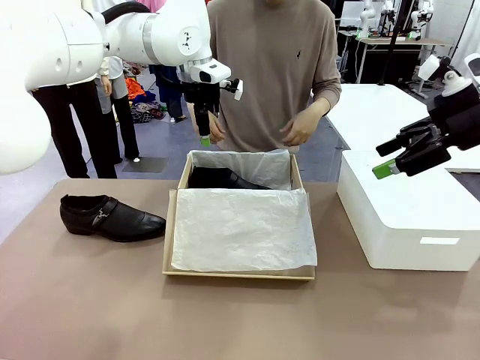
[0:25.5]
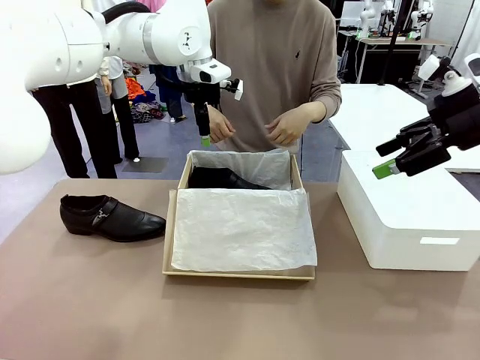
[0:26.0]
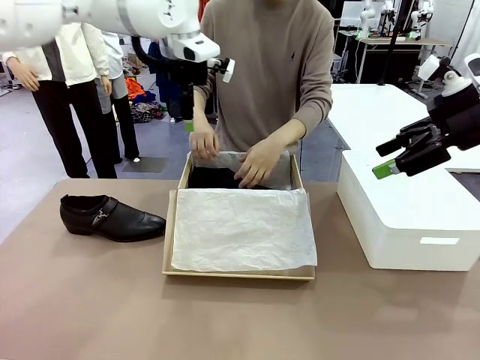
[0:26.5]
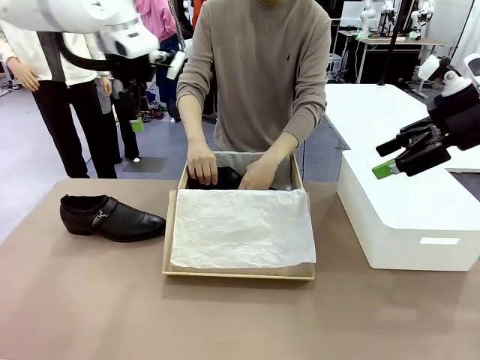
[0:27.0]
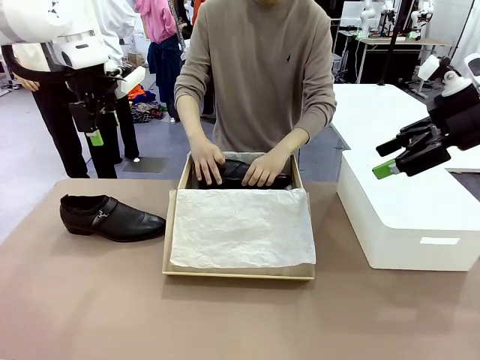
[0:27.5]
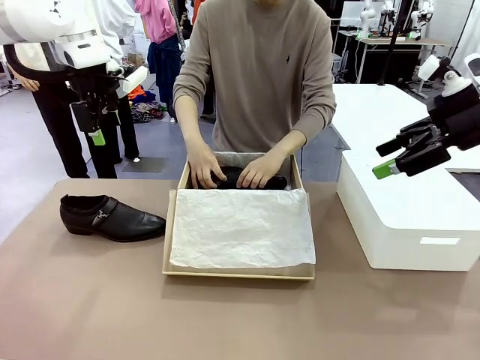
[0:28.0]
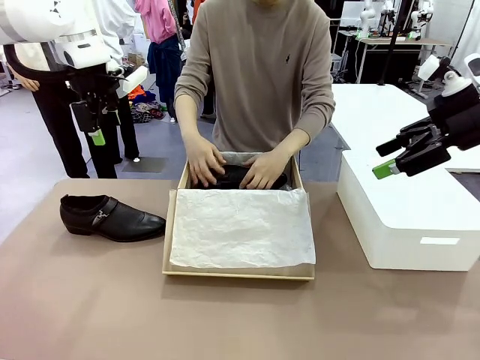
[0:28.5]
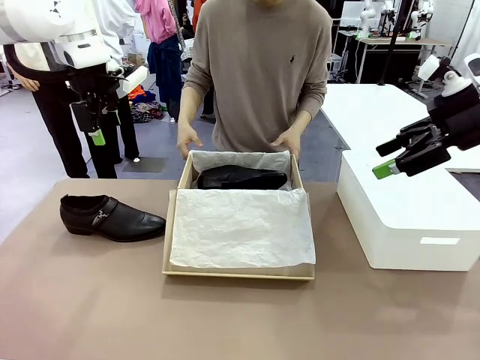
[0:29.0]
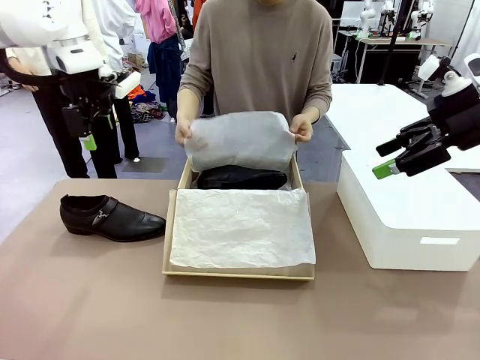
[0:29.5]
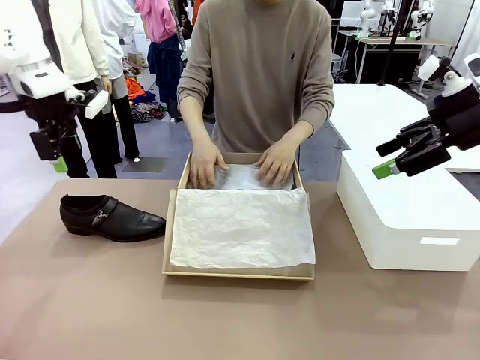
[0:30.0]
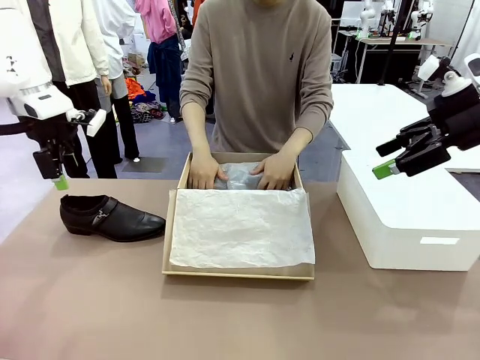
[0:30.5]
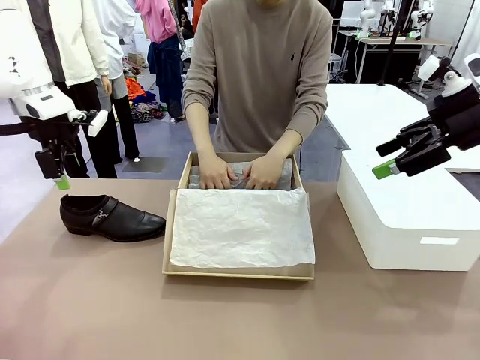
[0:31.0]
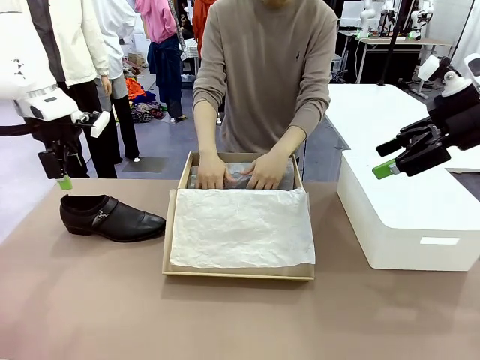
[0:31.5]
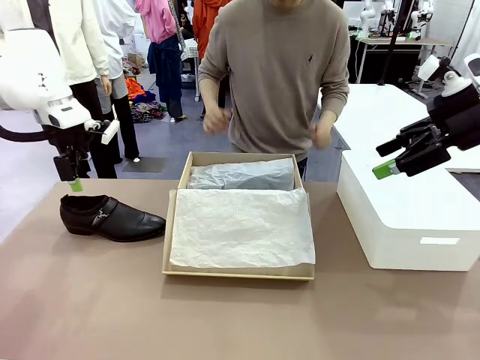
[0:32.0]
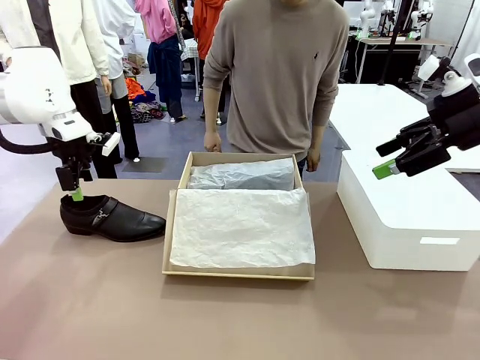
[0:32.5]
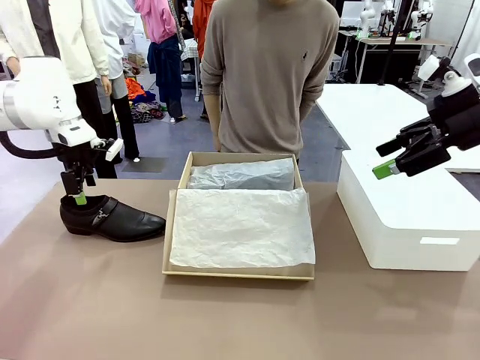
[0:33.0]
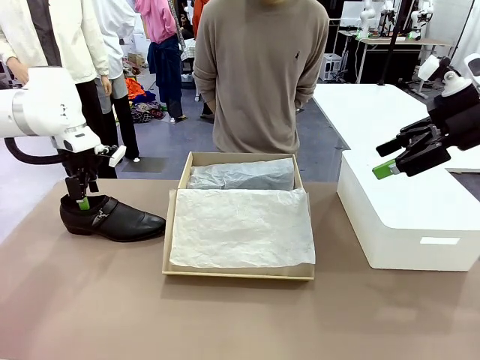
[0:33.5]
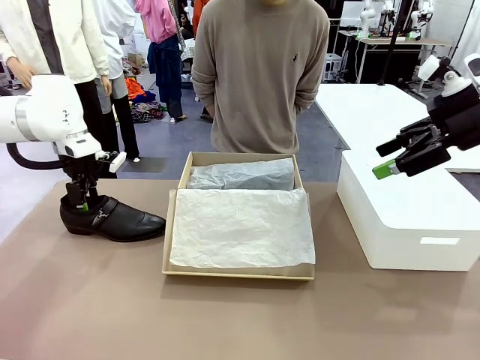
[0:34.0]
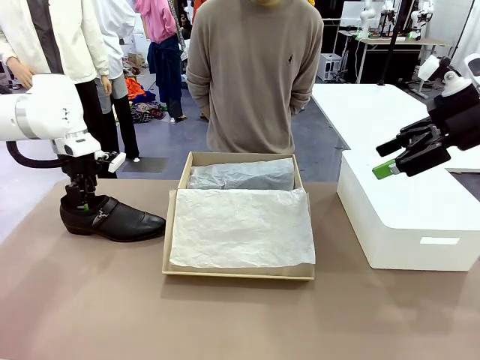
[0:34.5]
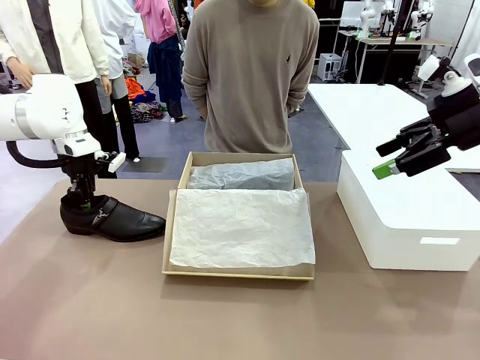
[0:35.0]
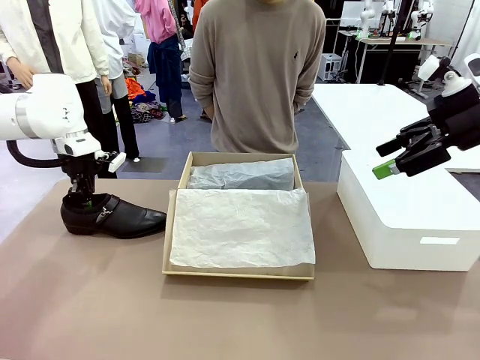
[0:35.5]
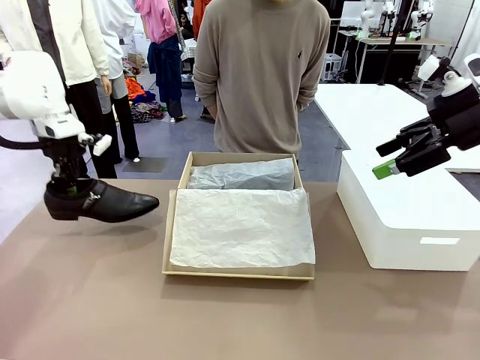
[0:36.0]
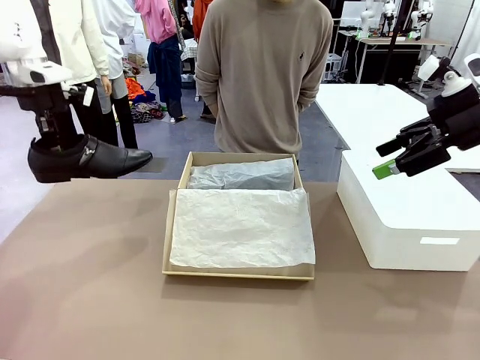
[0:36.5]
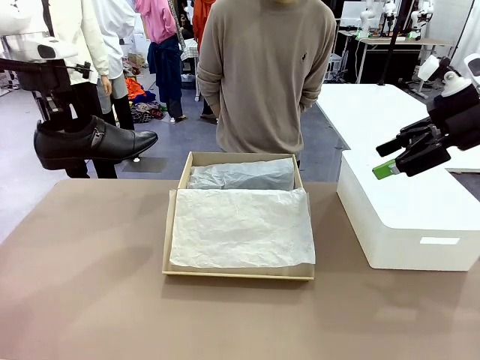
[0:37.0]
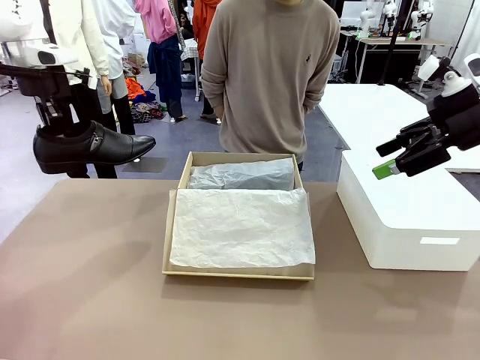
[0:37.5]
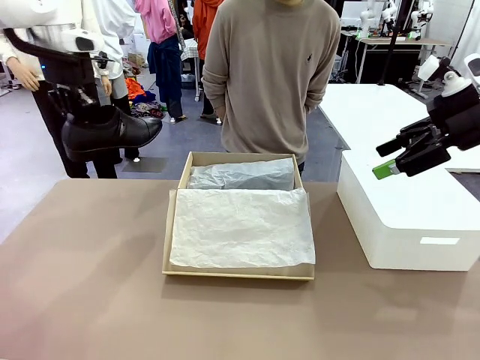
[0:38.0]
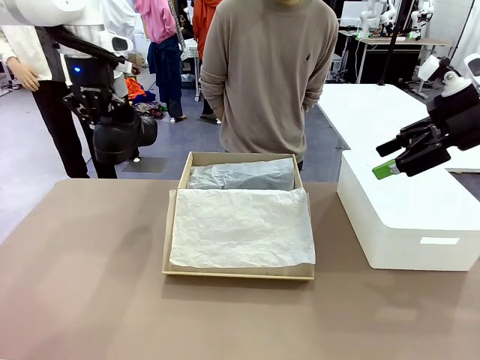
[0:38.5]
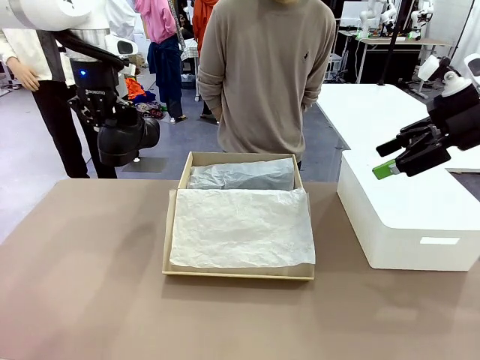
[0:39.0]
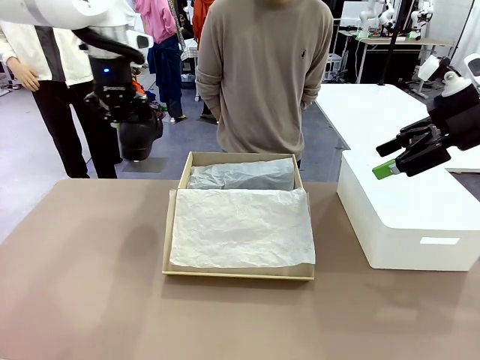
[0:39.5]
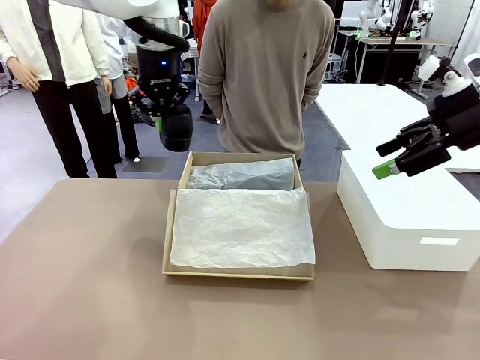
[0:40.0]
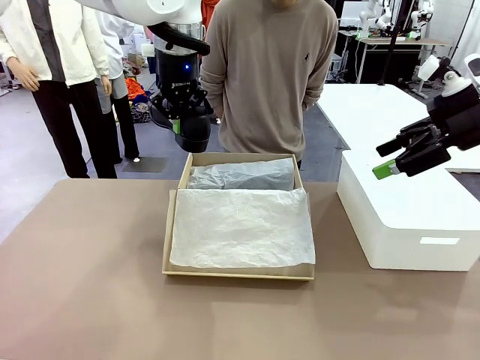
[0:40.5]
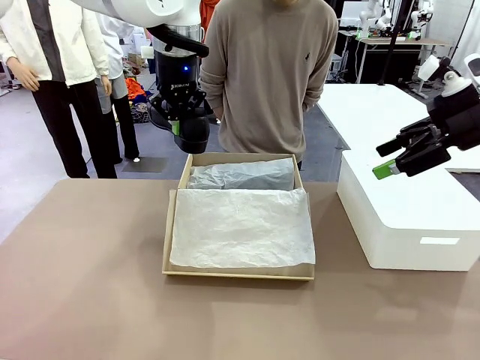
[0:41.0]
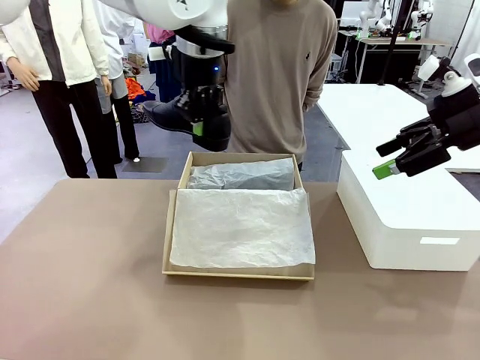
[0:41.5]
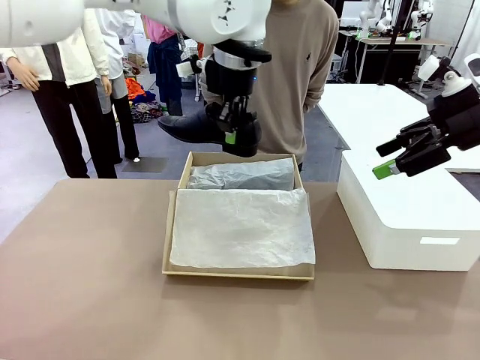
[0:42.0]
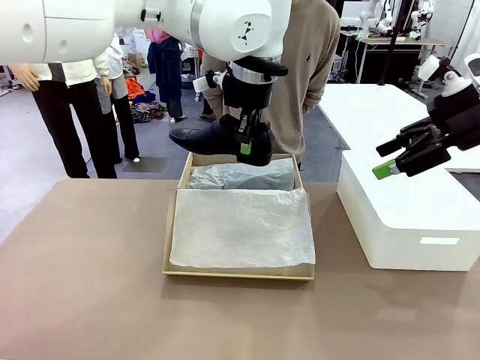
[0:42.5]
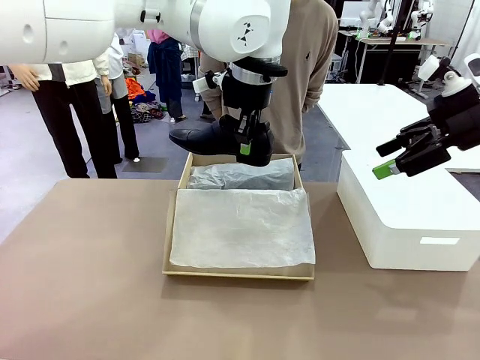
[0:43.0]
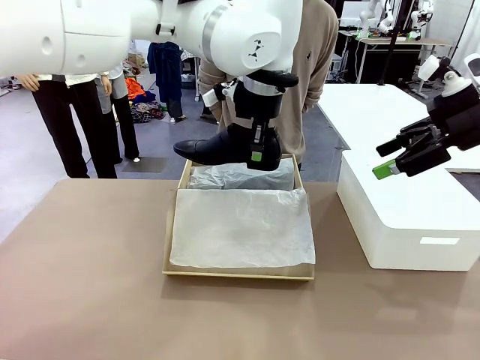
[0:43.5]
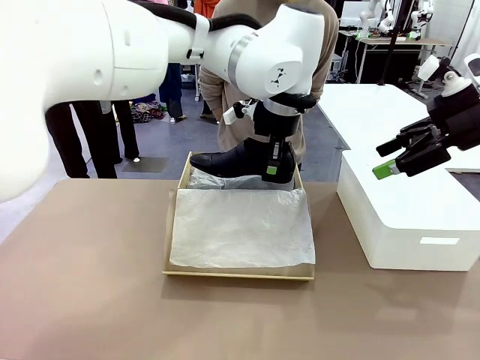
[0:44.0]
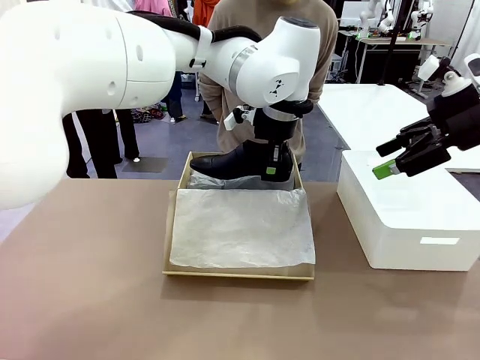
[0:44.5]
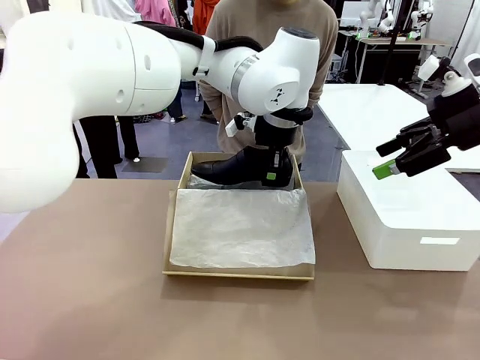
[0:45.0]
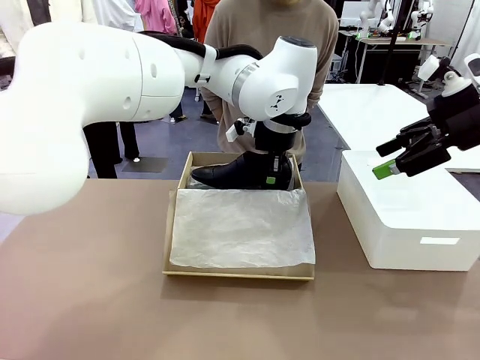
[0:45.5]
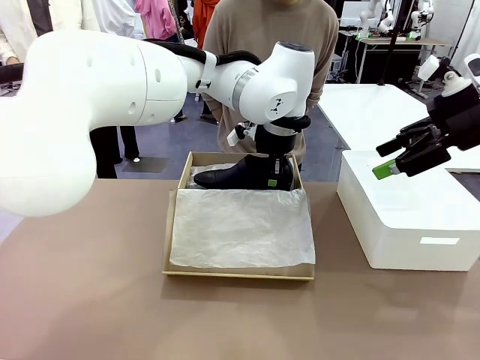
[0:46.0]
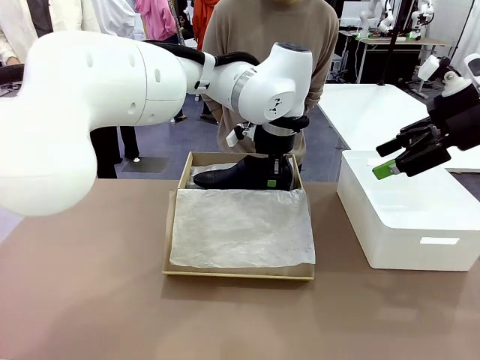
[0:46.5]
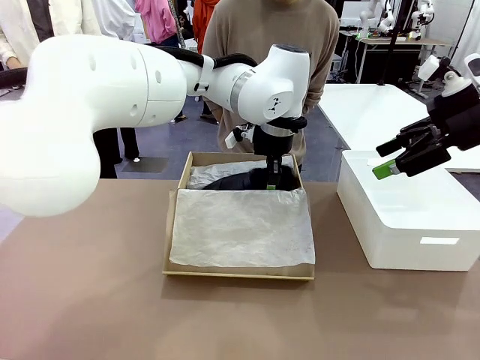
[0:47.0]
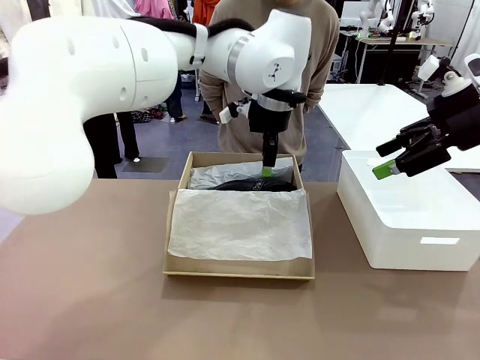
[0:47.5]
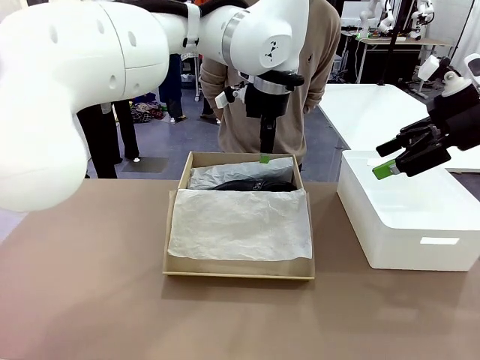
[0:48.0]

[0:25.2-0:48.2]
Task: Pack the shoes into the box.
Robot: Place the other shoe of the Shoes into the Shoes Box.
Person: Pack a shoe of Shoes inside the Shoes Box with Shoes Wrapping Paper.

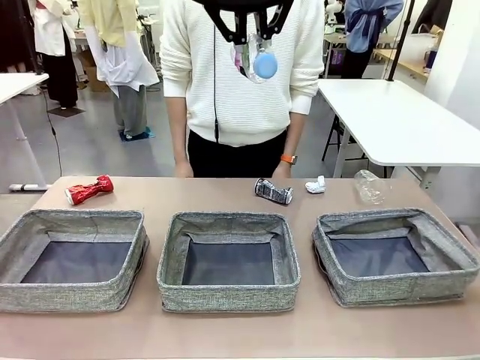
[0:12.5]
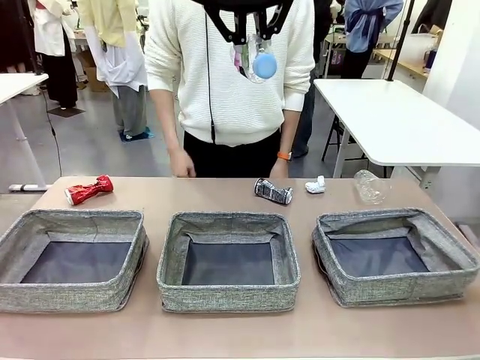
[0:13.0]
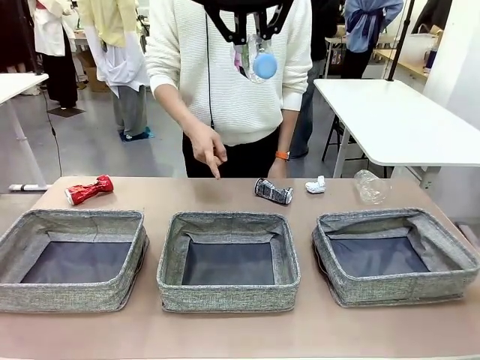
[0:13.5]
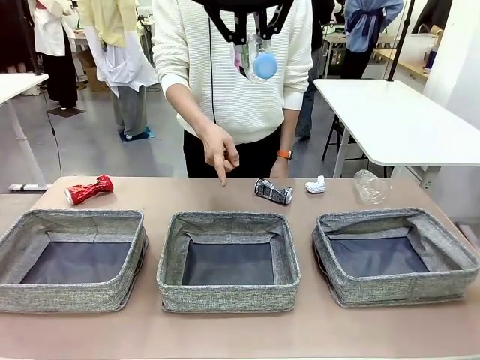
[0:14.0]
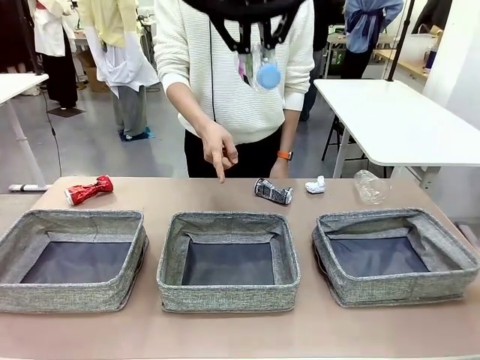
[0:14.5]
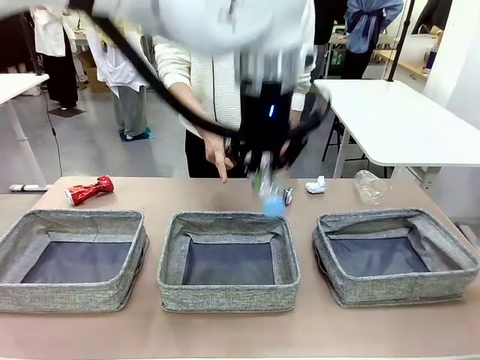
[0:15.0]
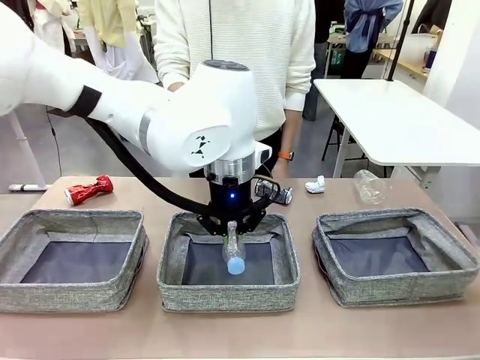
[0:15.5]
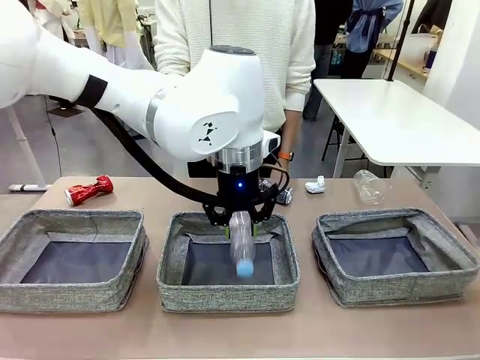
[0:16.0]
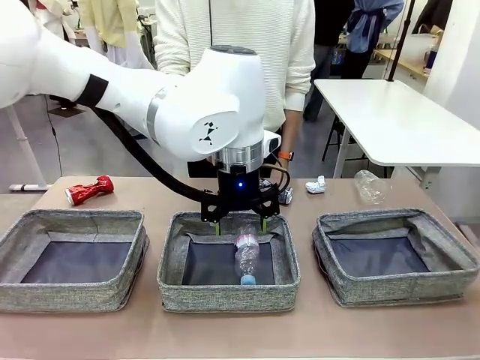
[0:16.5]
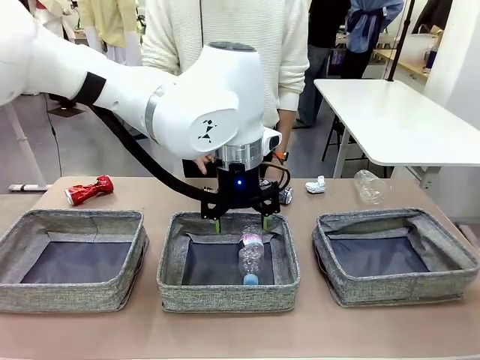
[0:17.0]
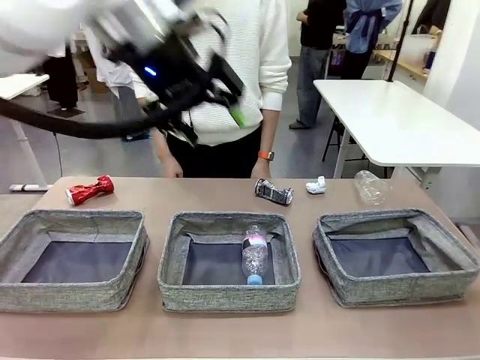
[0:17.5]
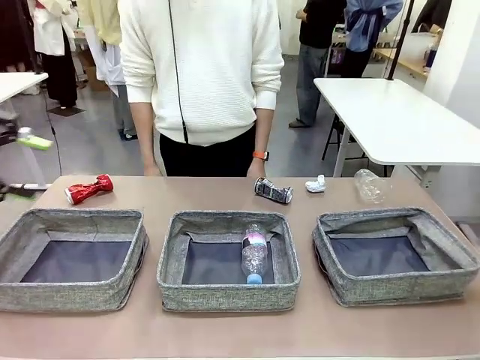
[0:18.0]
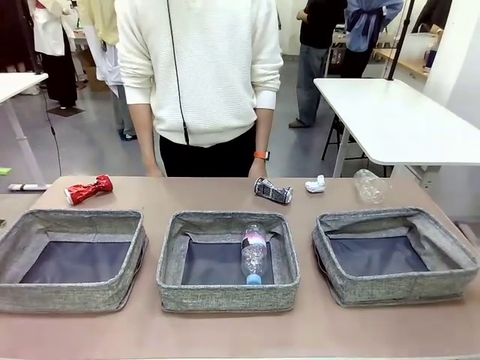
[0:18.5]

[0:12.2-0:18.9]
Task: Sort the waste into the appropriate baskets.
Robot: Place the picked waste into the Fabric basket indicated by the person.
Person: Instructs the robot to place the picked-up trash into the appropriate organizing basket.
